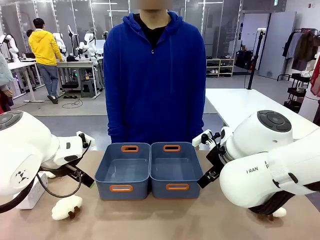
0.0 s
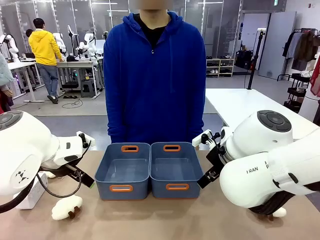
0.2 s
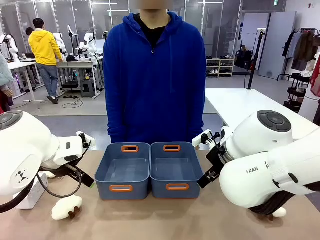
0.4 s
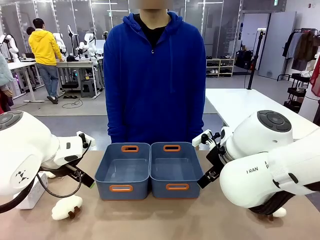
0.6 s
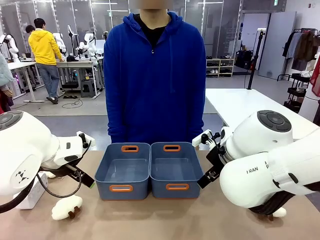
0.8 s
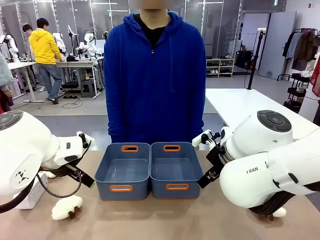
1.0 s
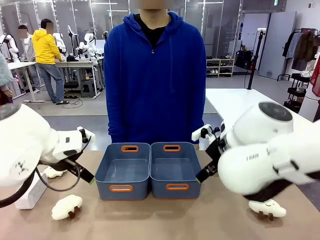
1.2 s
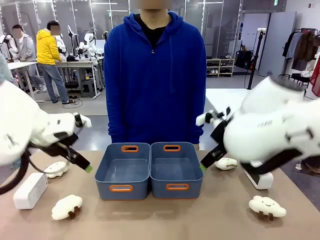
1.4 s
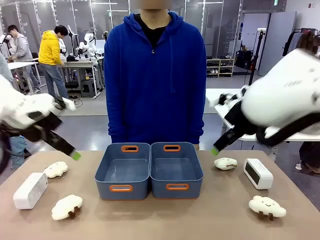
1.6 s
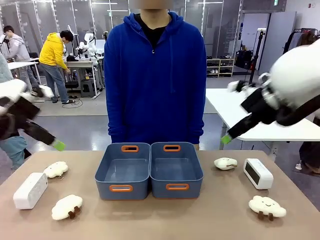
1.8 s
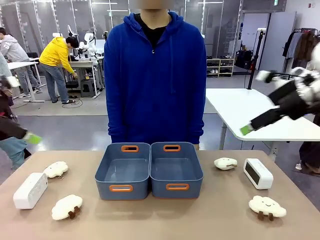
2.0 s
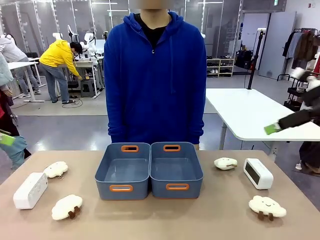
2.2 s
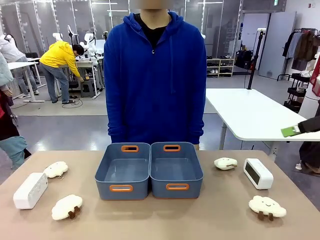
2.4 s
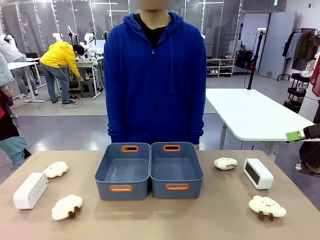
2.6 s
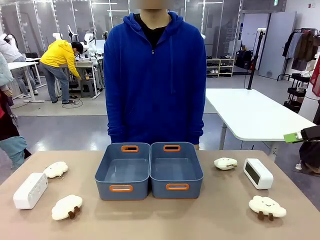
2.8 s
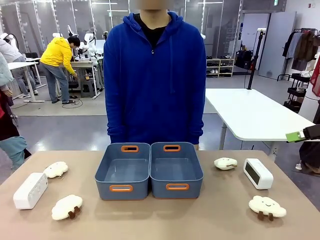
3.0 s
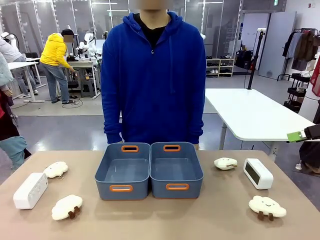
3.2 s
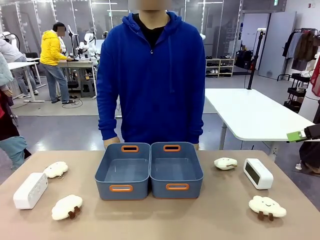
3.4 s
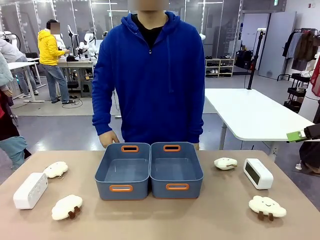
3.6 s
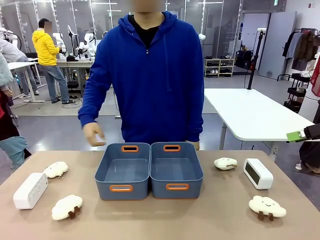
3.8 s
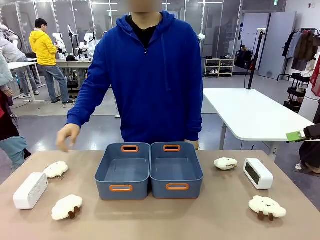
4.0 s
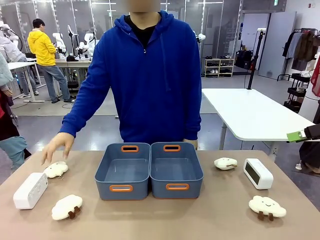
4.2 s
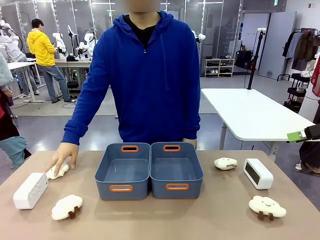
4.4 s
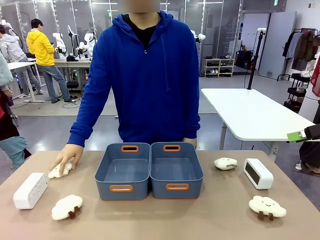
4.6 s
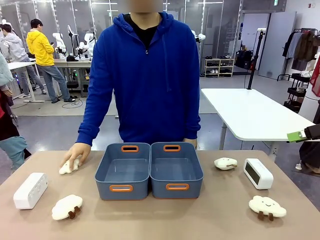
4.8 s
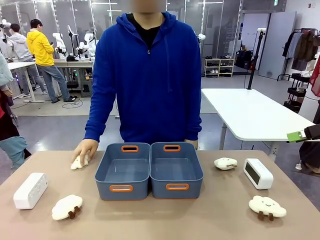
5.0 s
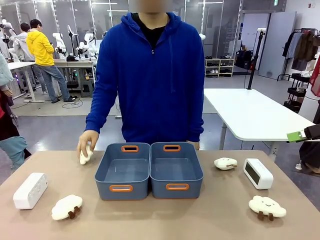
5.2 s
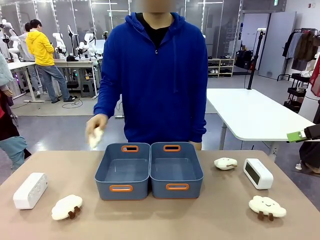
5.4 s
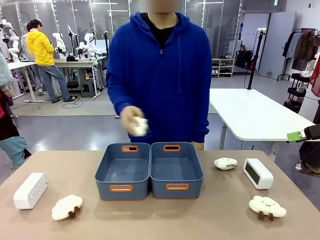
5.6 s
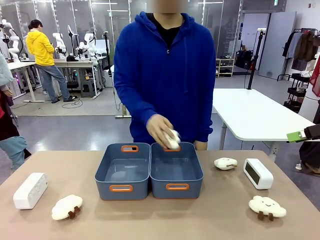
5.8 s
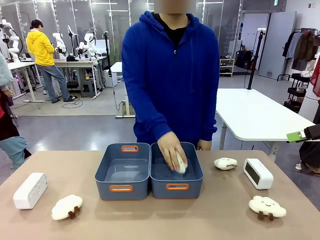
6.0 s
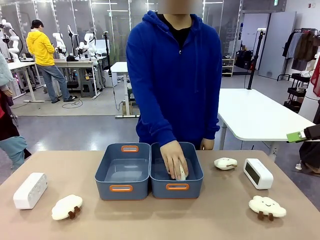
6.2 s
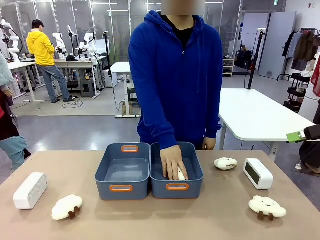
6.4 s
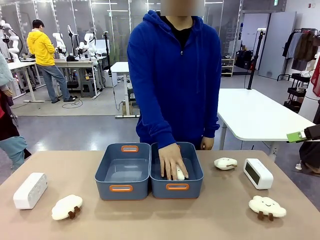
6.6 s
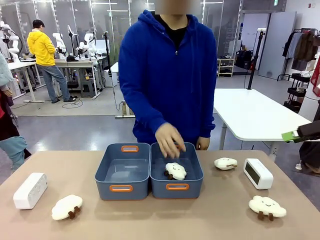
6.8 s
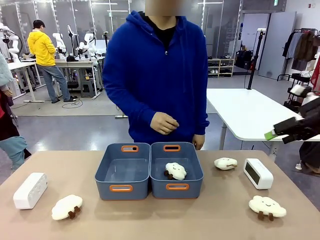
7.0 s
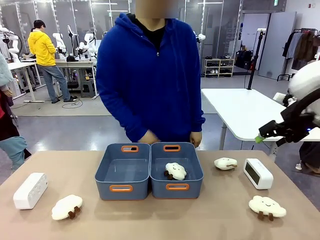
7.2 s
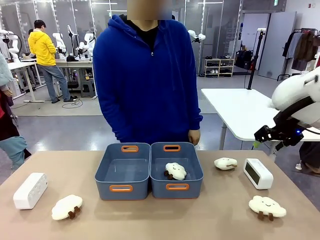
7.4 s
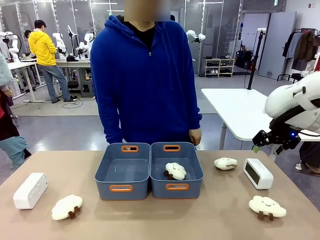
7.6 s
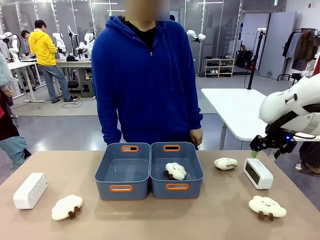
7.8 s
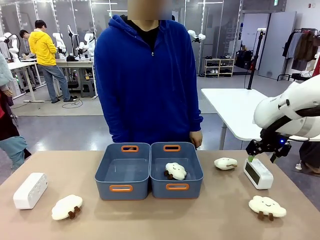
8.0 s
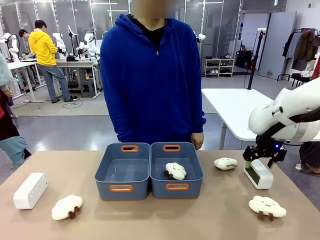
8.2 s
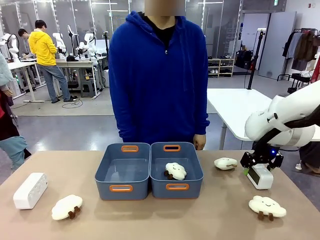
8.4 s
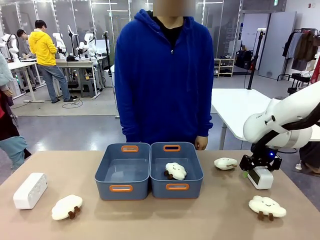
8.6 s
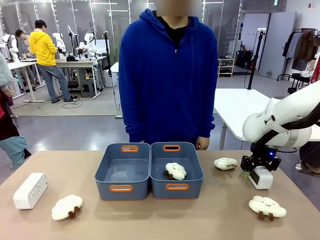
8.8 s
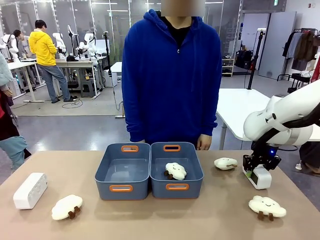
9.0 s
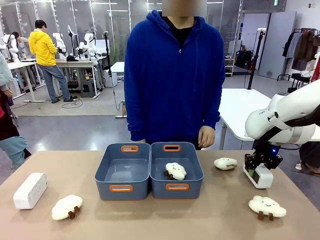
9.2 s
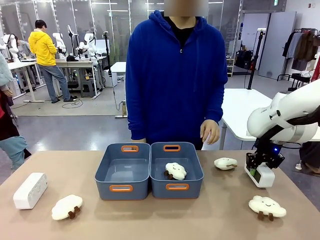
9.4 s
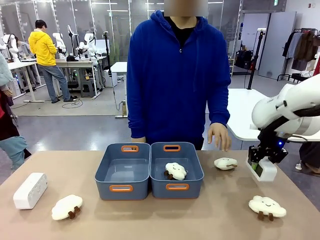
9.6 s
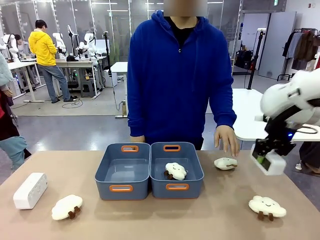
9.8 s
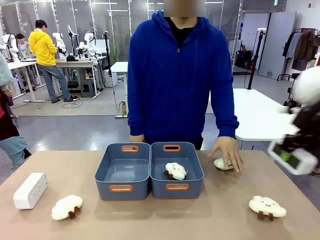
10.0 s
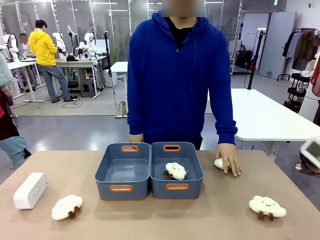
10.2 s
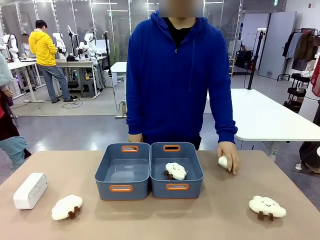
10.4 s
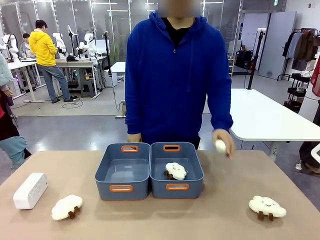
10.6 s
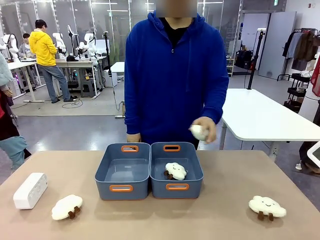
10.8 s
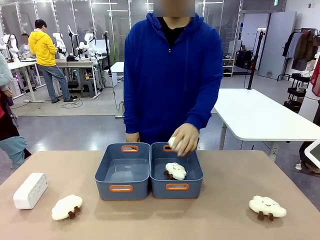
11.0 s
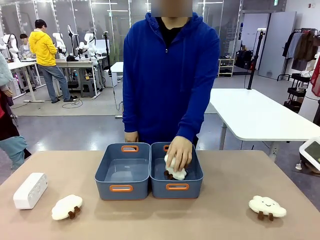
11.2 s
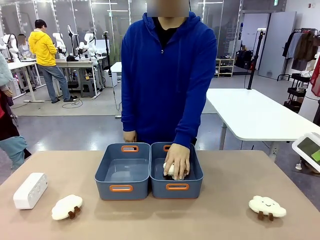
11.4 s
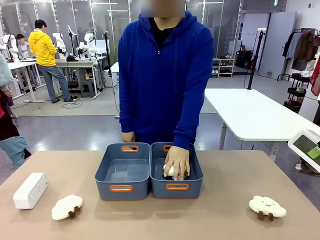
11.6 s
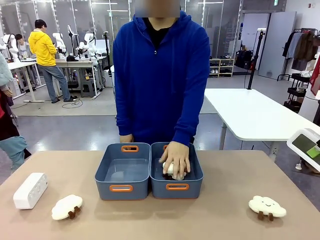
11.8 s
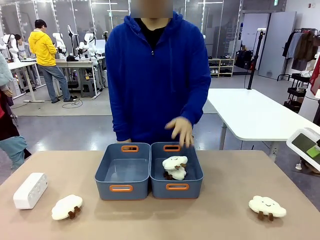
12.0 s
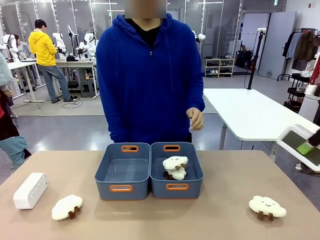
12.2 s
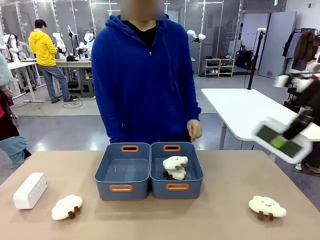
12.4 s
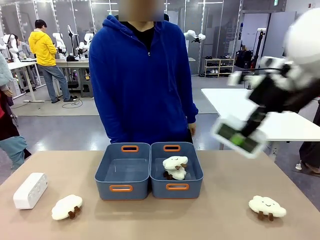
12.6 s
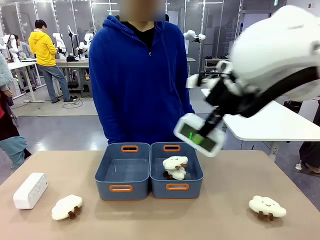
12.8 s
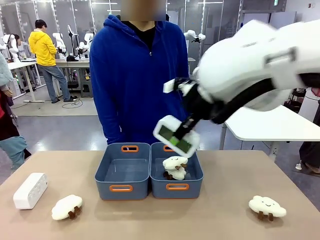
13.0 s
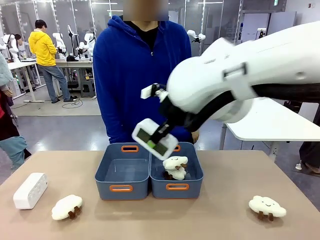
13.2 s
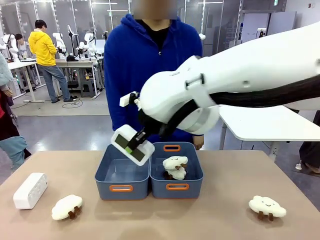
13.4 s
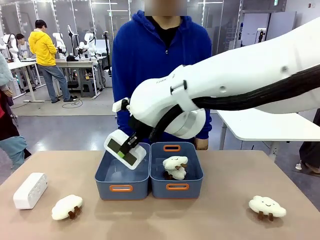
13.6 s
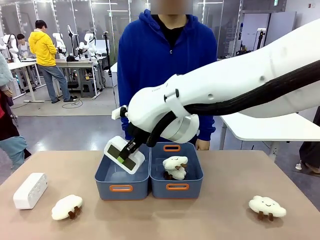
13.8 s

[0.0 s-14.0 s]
Task: Sort the digital clocks into the basket.
Robot: Pick up the Digital clock from the table and place it into the empty Plastic storage basket.
Person: Pick up a plush toy from the table and place it in a plastic storage basket.
